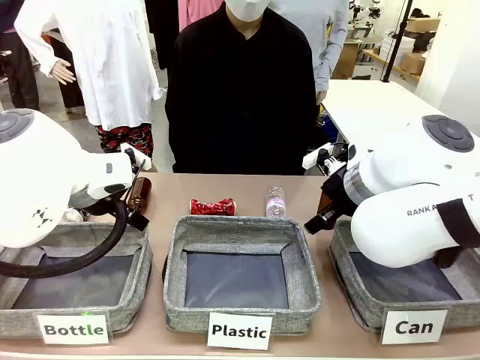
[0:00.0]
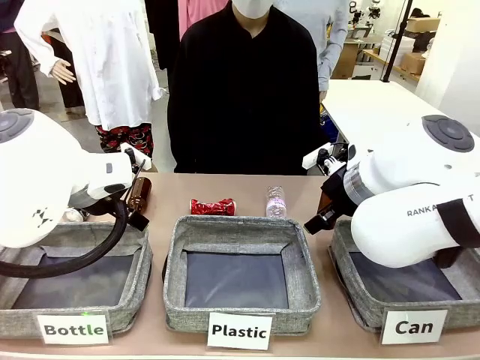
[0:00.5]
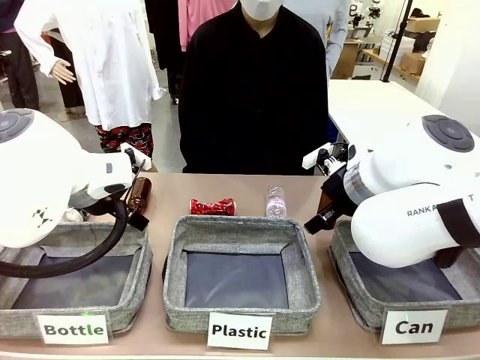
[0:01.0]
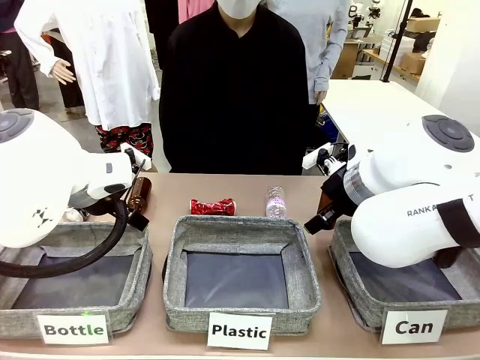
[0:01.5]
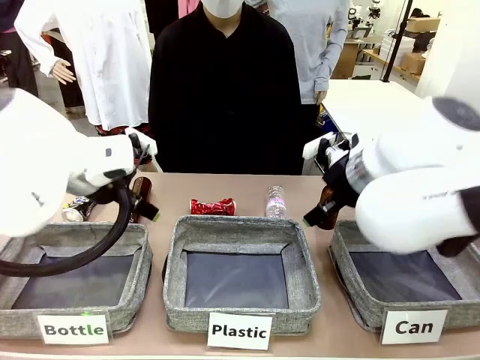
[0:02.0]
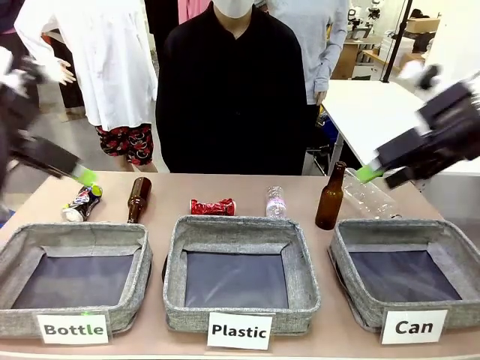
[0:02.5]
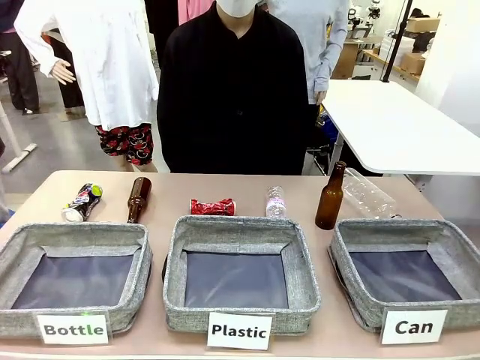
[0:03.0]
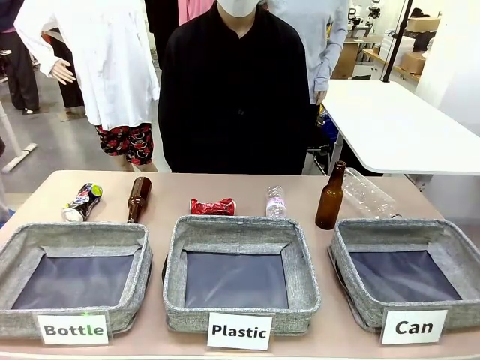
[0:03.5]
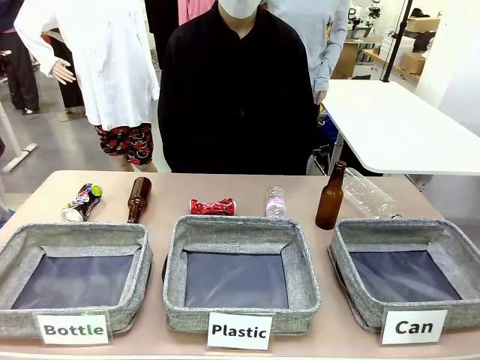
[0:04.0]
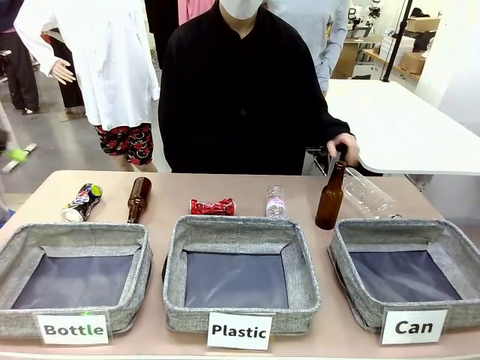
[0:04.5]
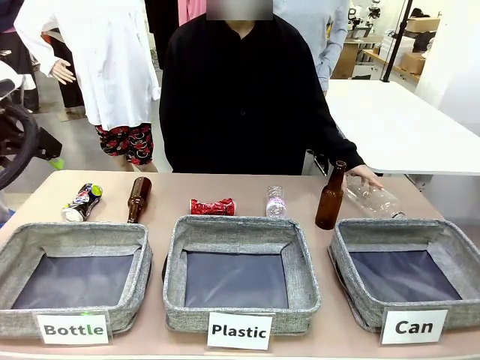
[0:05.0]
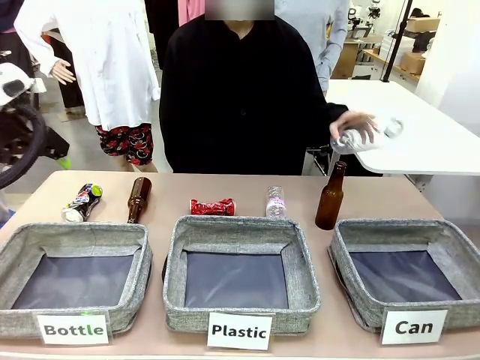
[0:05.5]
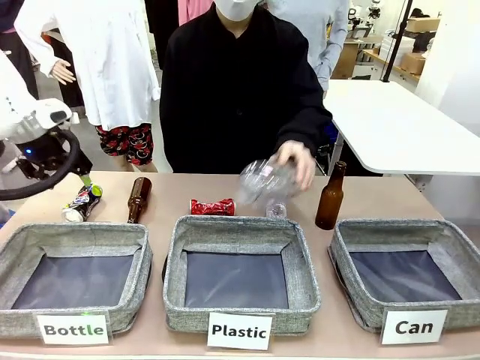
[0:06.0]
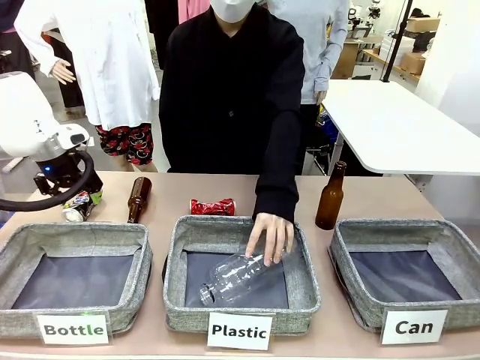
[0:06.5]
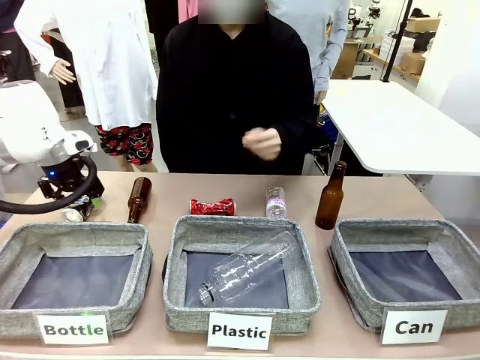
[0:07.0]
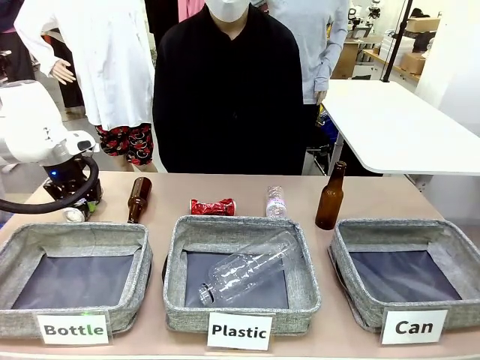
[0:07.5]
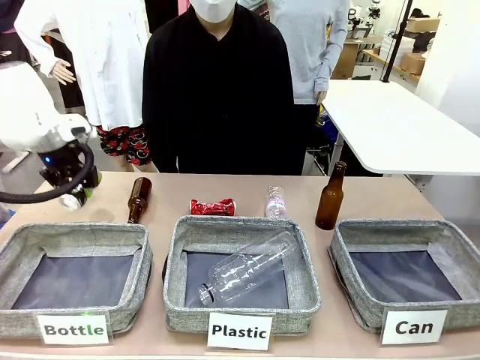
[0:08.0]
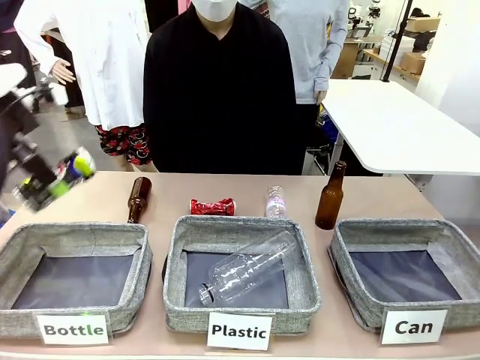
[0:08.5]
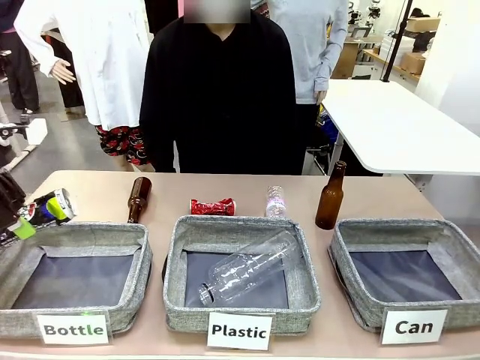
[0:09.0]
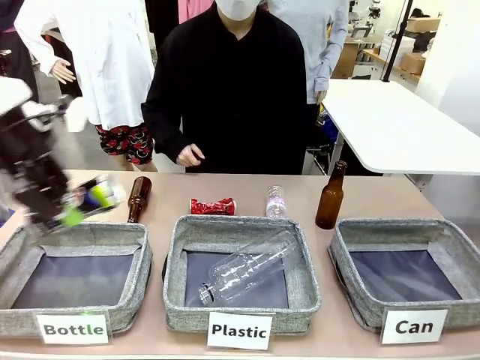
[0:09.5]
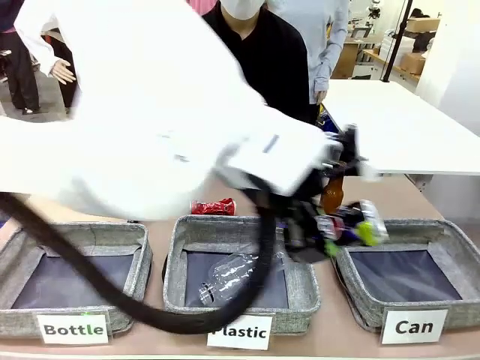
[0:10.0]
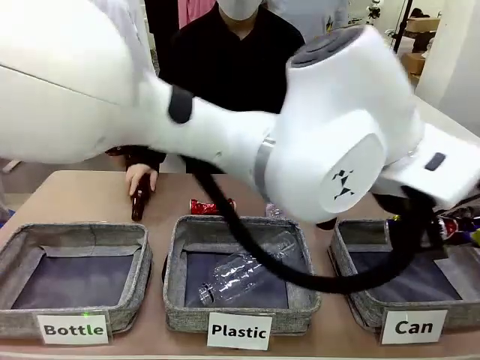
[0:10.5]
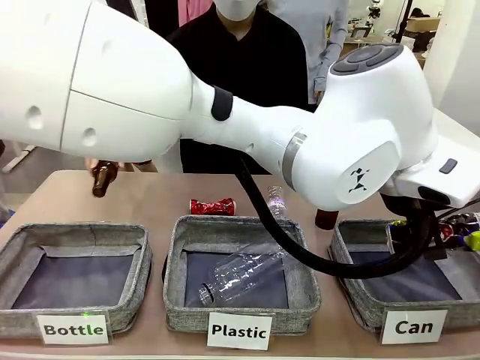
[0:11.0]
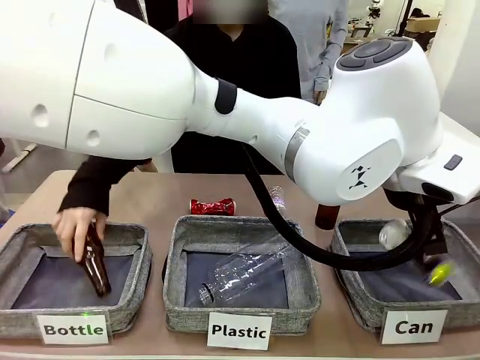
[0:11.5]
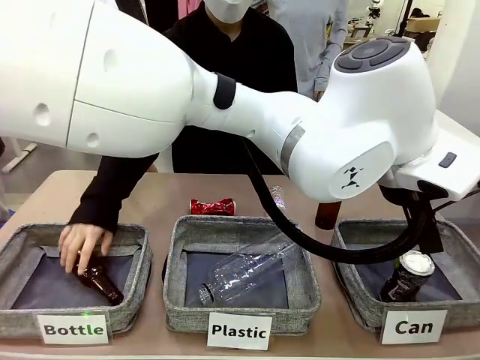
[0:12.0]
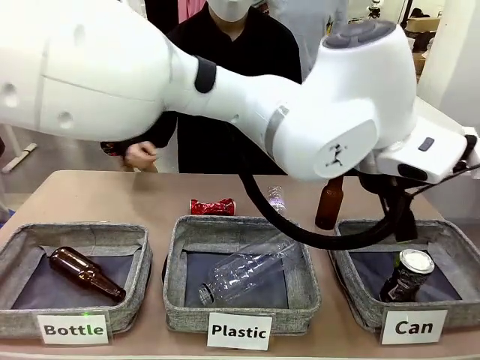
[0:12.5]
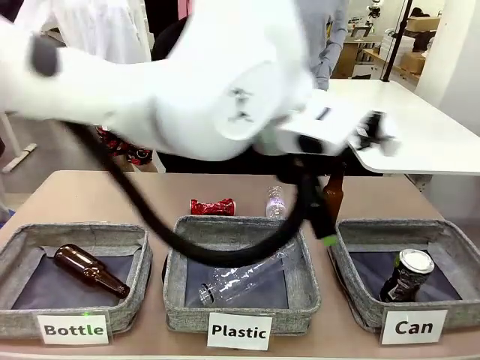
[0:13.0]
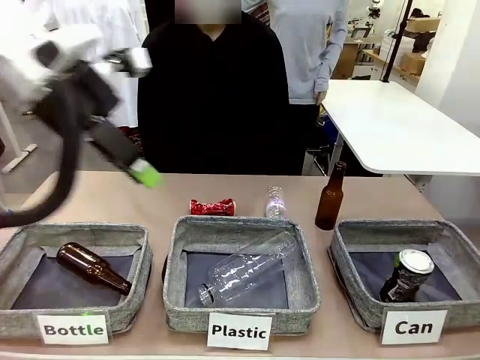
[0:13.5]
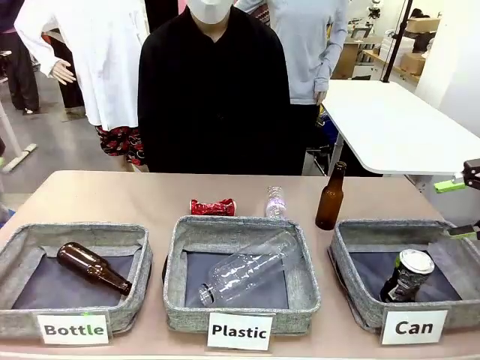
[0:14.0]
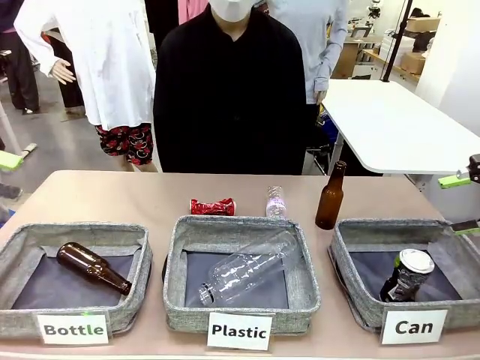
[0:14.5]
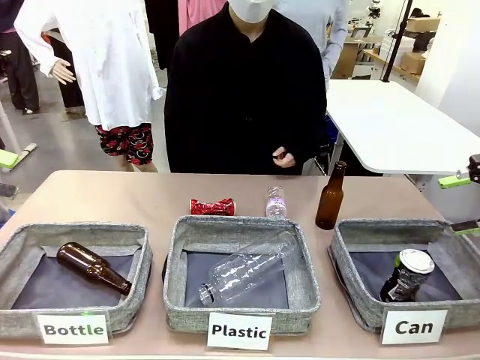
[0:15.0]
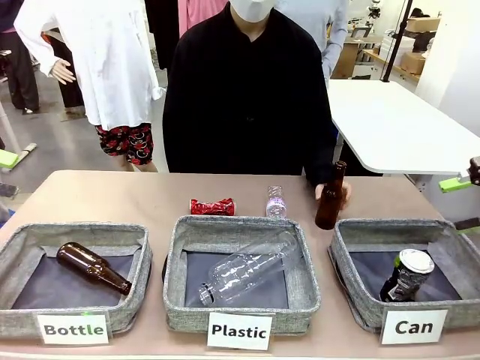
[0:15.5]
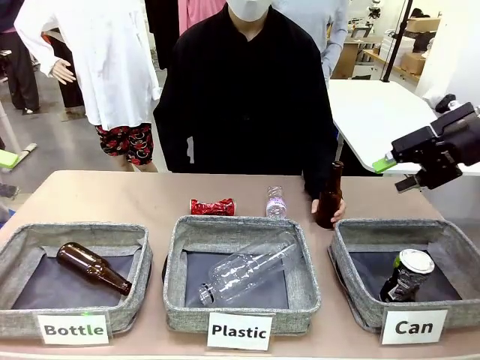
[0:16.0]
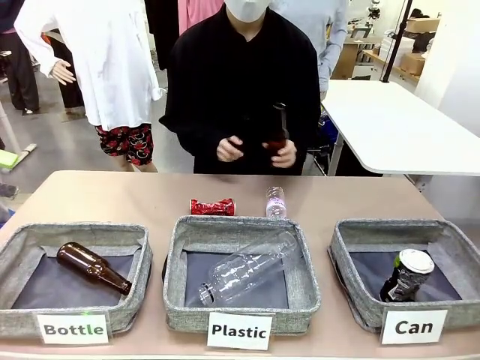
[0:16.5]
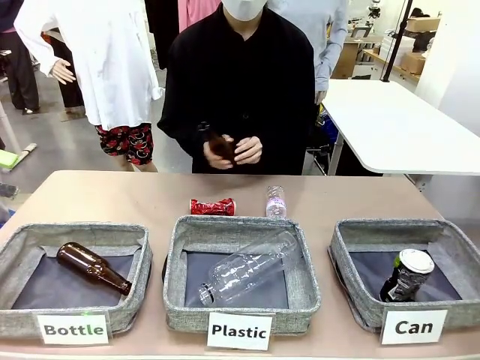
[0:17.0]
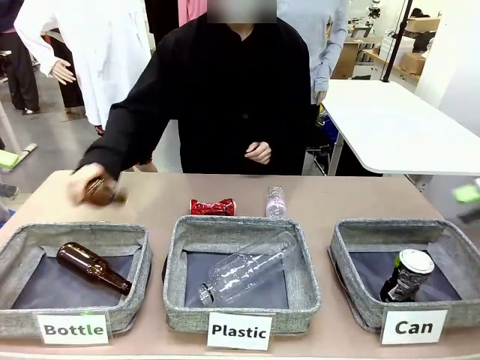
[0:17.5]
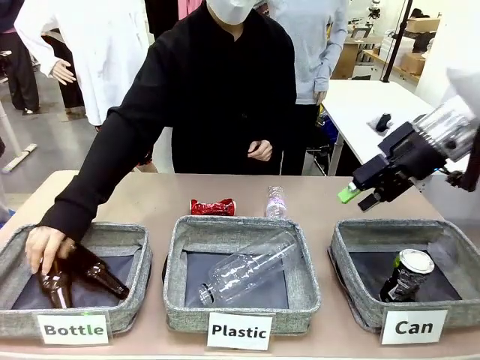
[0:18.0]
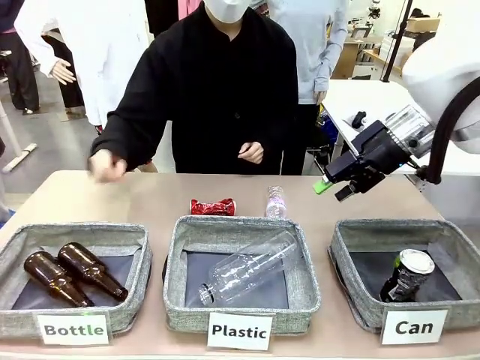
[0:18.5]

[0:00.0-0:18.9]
Task: Sort the can waste into the basket.
Robot: Pick up the can waste from the table and place it in the right Fabric basket.
